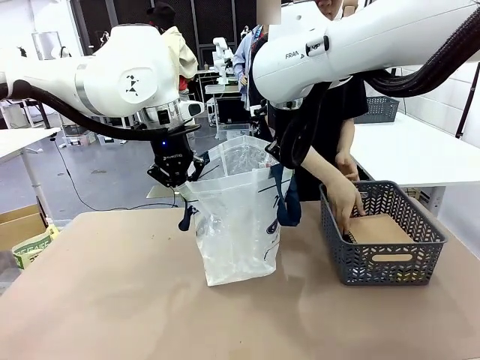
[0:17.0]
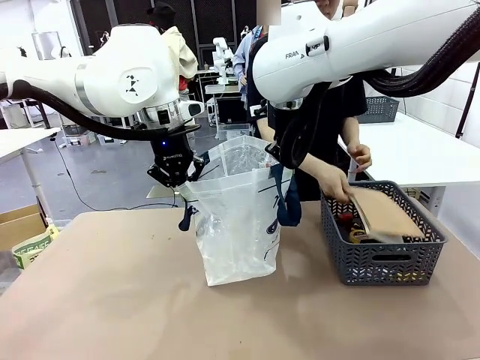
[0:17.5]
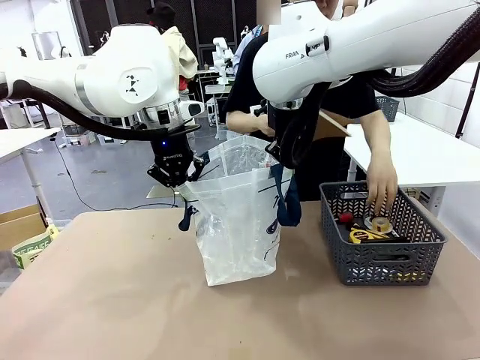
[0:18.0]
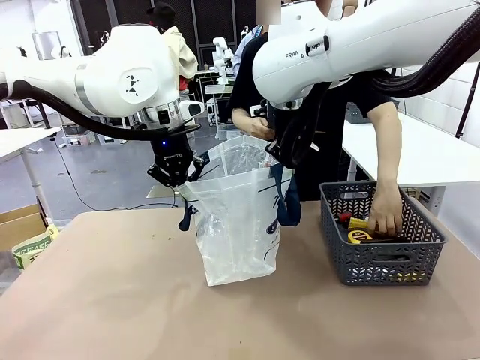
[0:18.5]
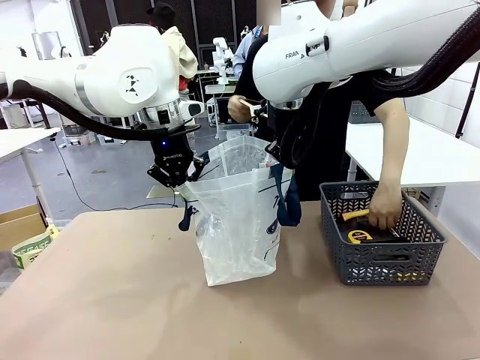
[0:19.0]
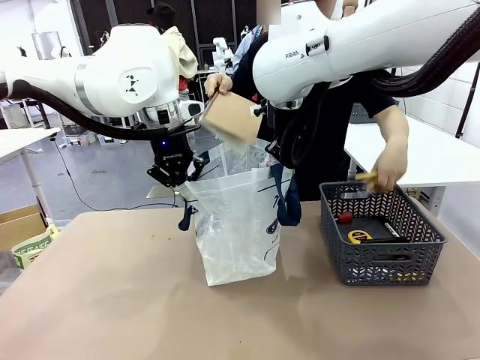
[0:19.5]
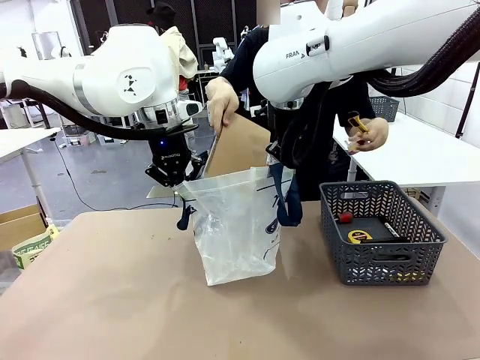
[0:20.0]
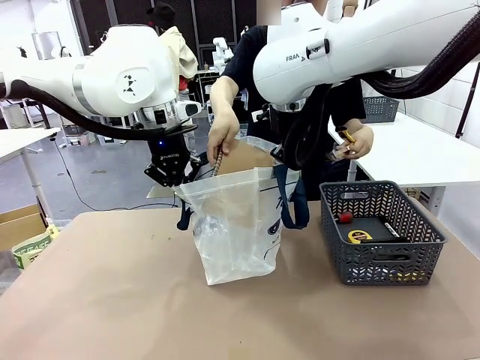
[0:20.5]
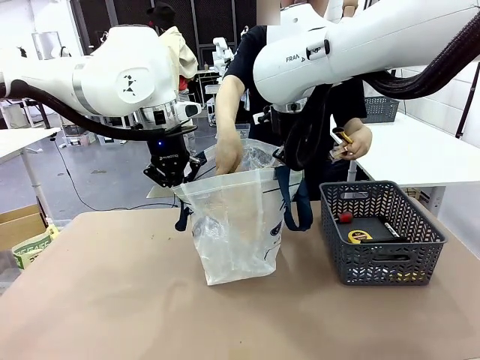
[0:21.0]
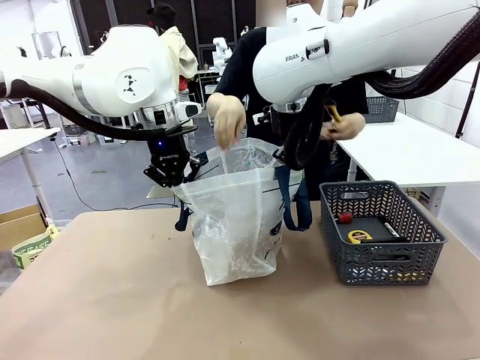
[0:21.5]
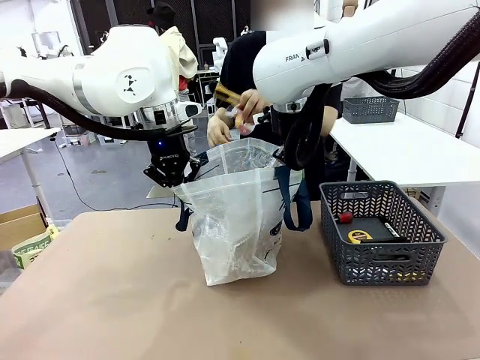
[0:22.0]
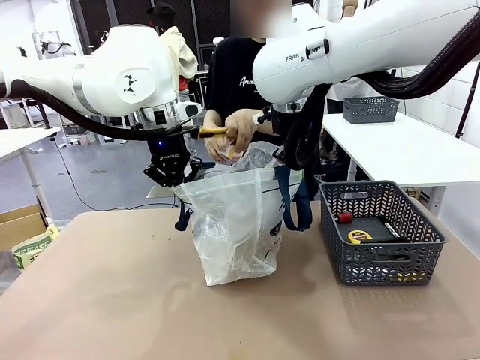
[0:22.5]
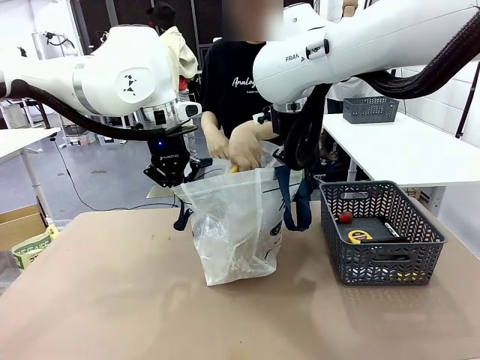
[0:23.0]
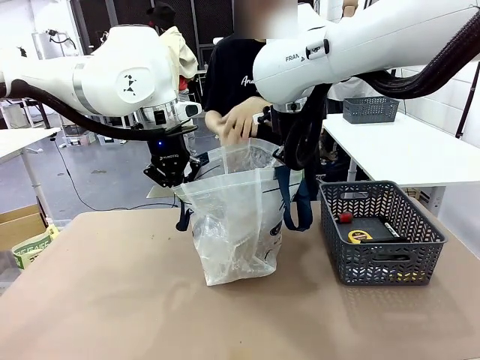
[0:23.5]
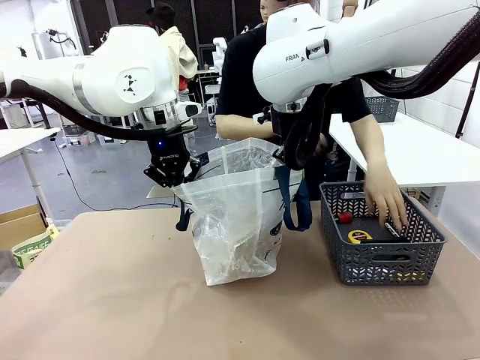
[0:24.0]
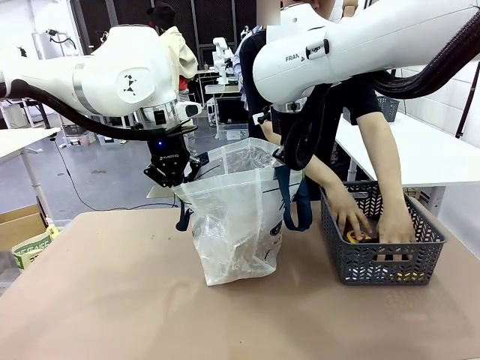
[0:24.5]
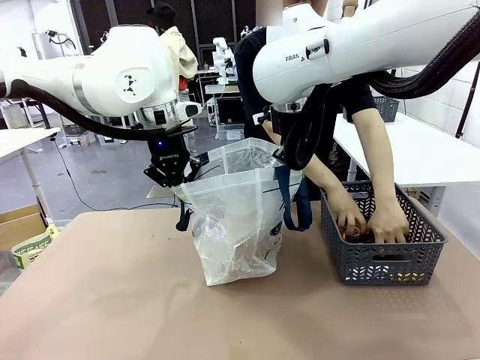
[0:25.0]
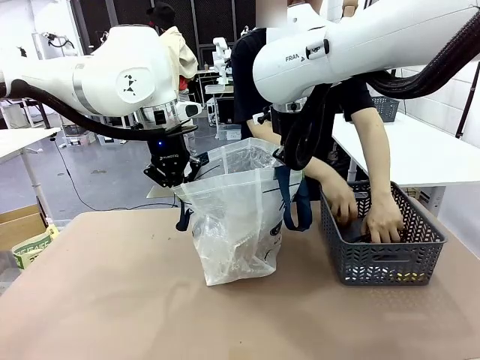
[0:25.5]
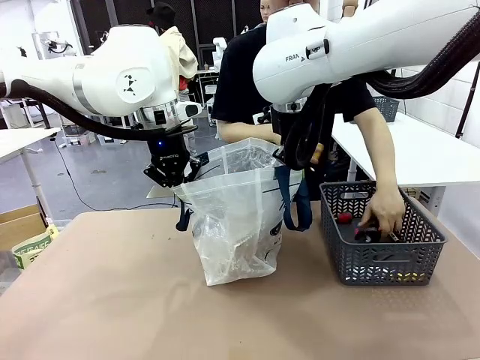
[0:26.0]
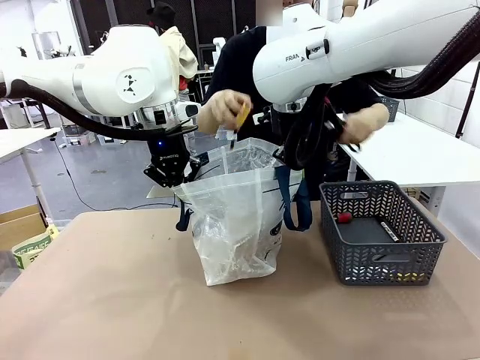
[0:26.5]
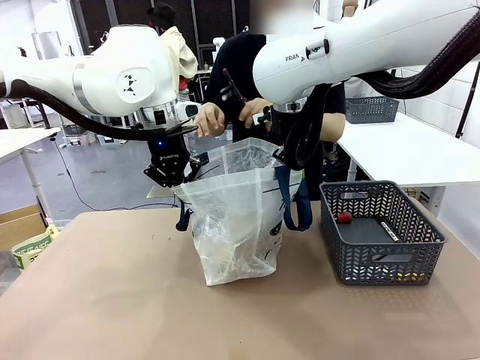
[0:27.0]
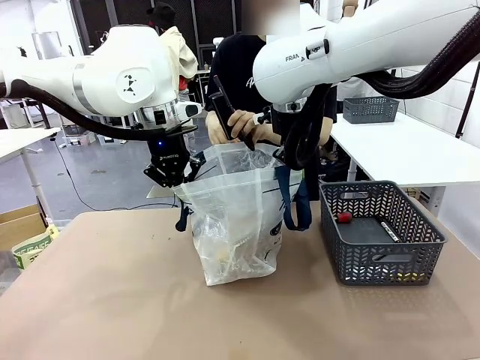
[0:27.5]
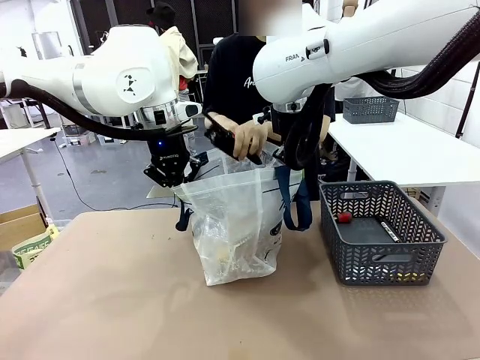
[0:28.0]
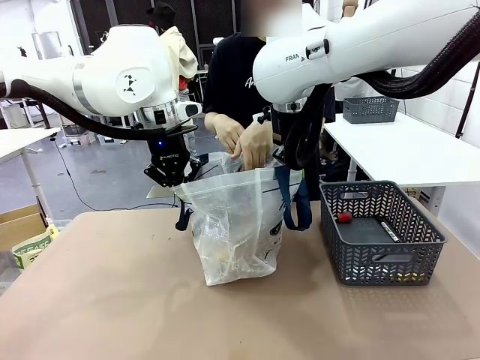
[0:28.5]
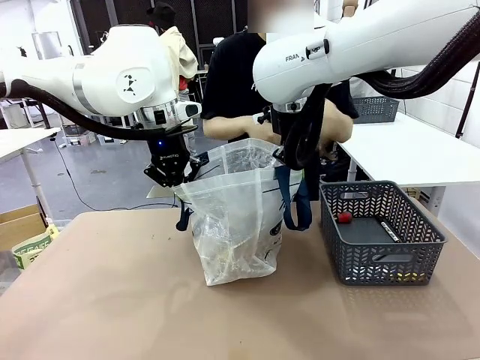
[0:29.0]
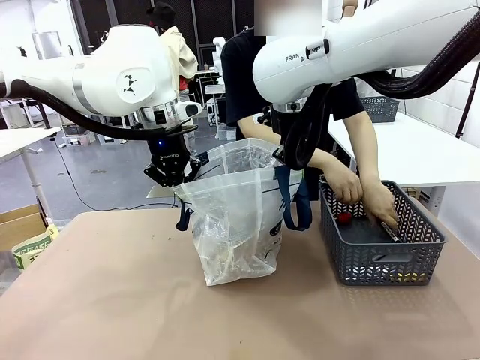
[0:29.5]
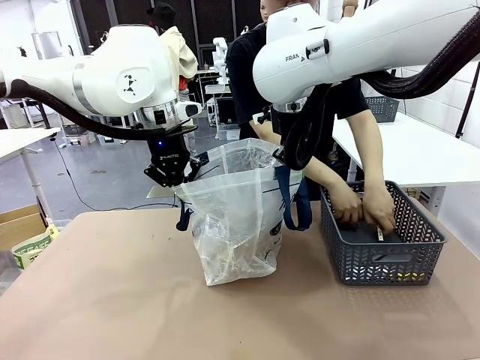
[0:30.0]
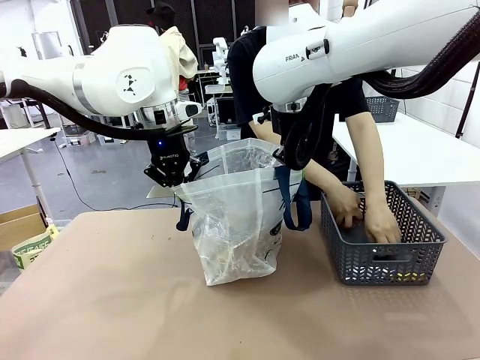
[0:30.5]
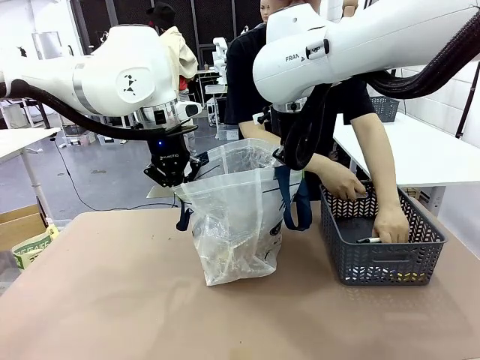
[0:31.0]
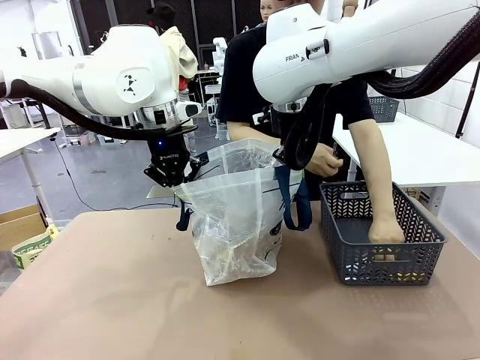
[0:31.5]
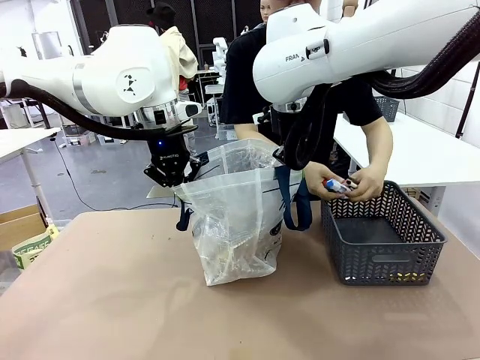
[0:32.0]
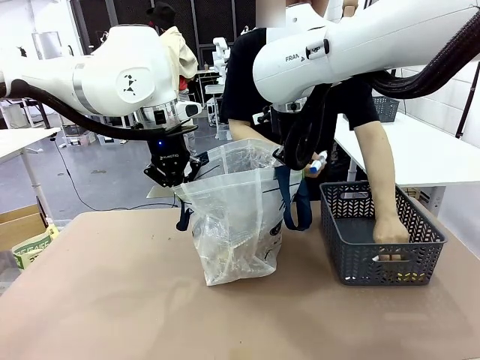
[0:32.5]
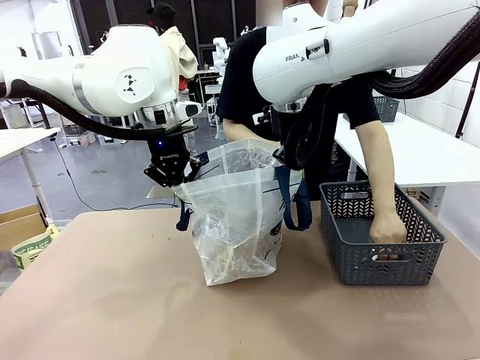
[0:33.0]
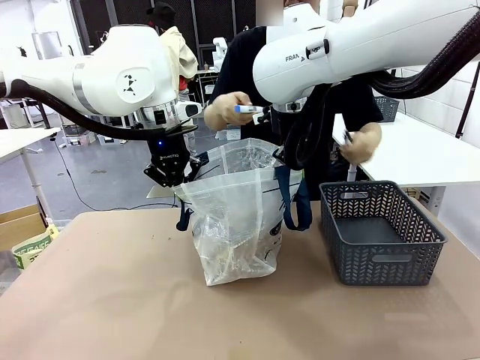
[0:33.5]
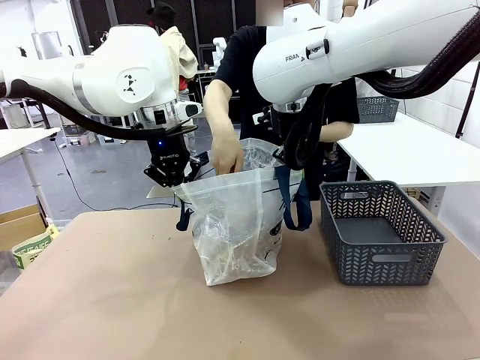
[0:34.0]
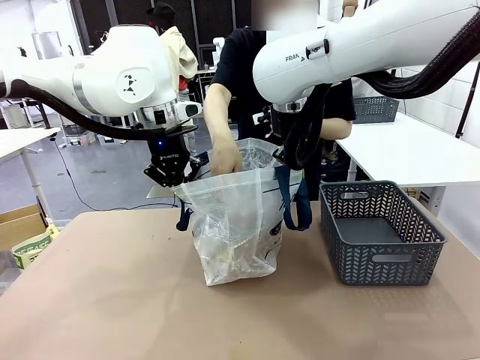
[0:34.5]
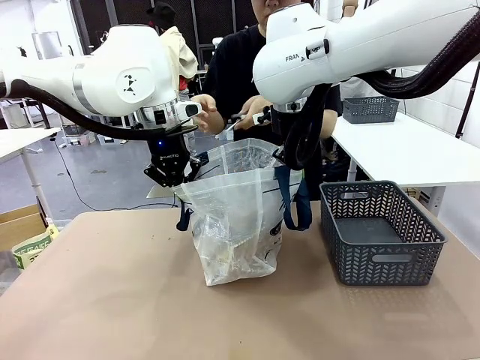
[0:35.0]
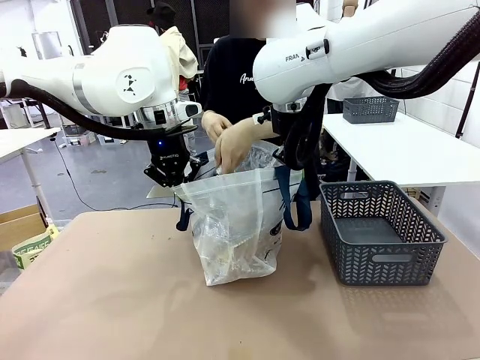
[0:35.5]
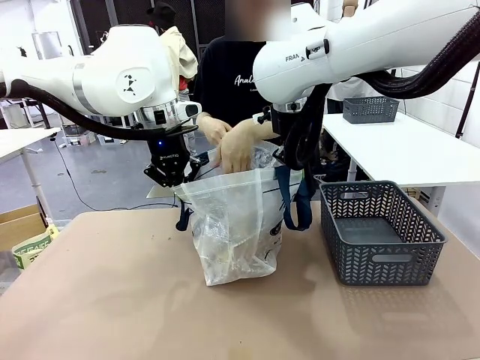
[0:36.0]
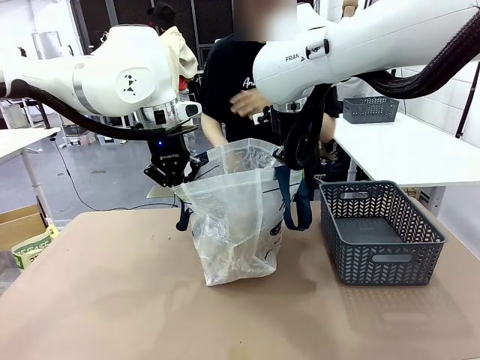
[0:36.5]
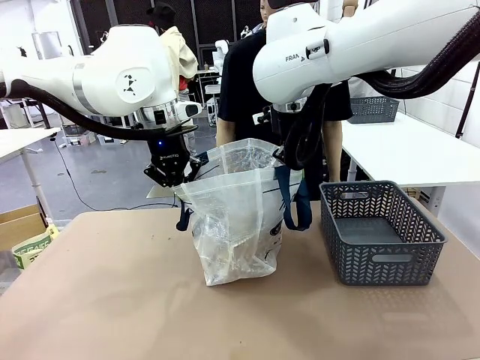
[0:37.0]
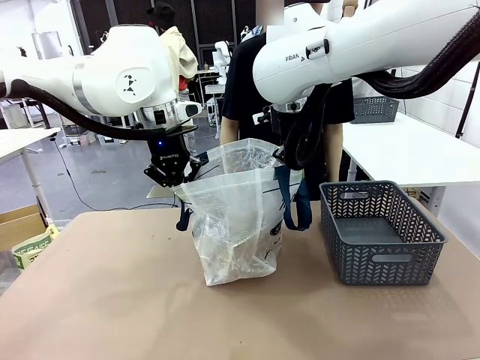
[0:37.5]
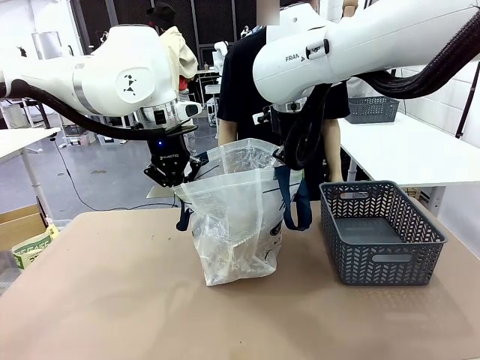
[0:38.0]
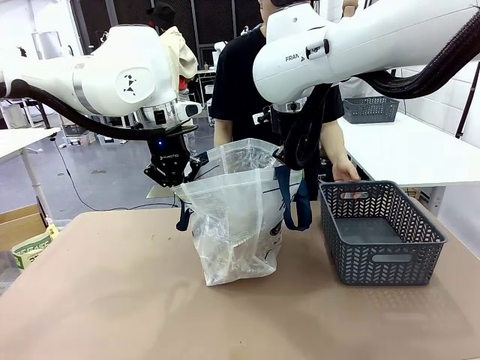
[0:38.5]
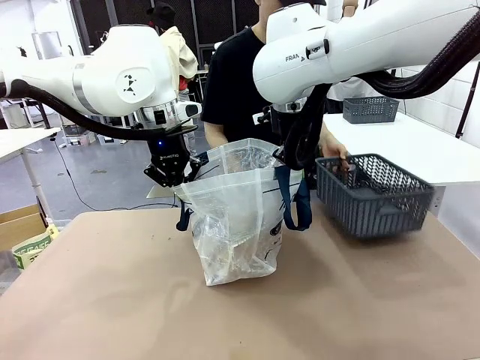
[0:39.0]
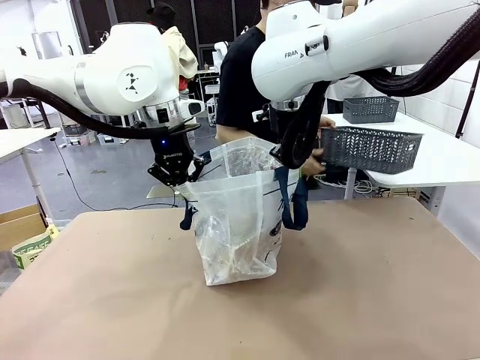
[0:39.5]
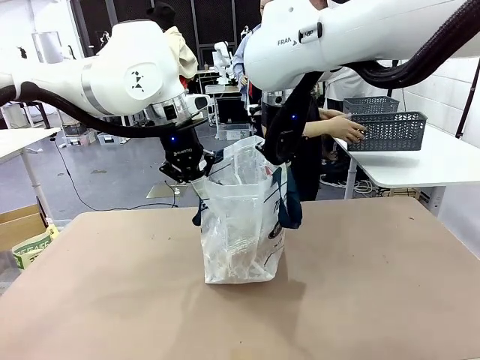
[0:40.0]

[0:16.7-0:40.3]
Task: Transfer purchased items from the store into the shopping bag.
Robot: Move the Reusable shopping bag to the right side of the table.
Person: Pick up the basket on the right, place it on the left side of the robot table, and move the items in the basket to the shopping bag. Pick up the basket with the items out and place it on the right side of the human table.
